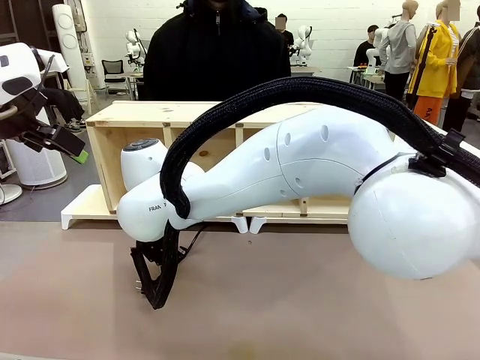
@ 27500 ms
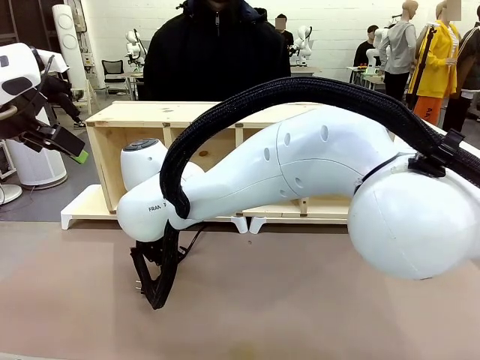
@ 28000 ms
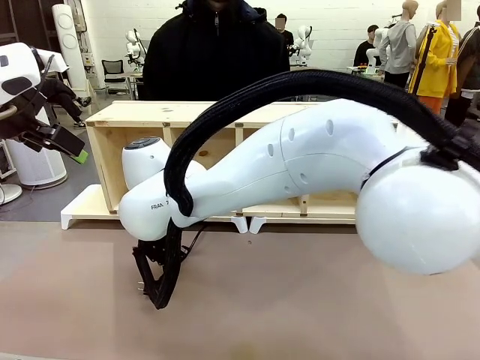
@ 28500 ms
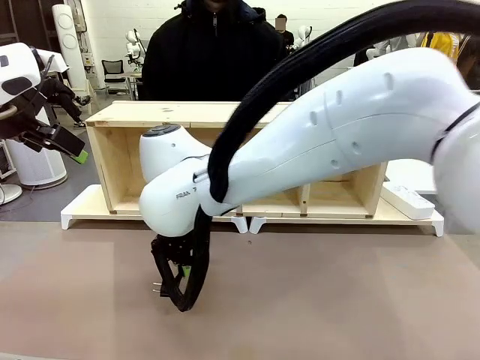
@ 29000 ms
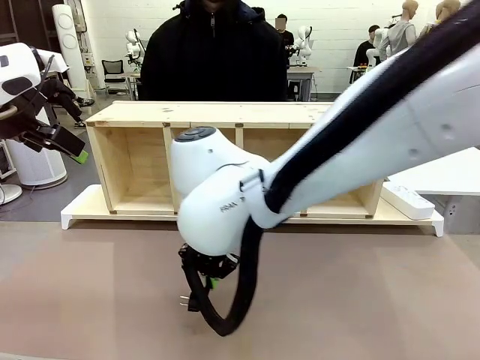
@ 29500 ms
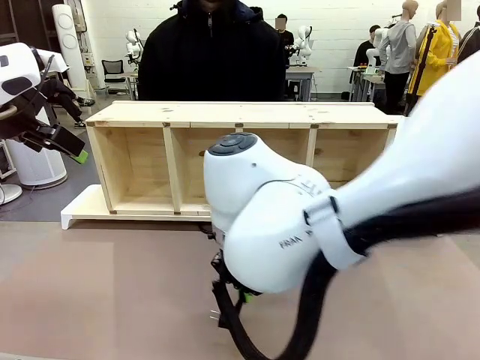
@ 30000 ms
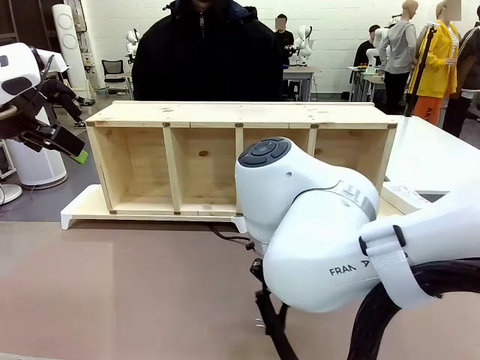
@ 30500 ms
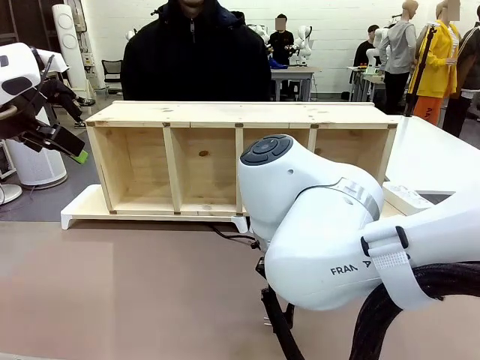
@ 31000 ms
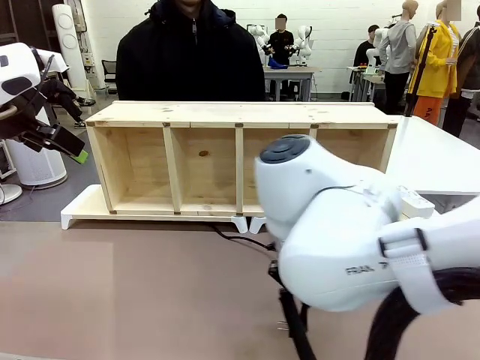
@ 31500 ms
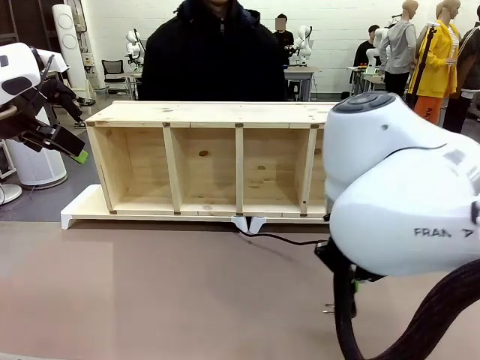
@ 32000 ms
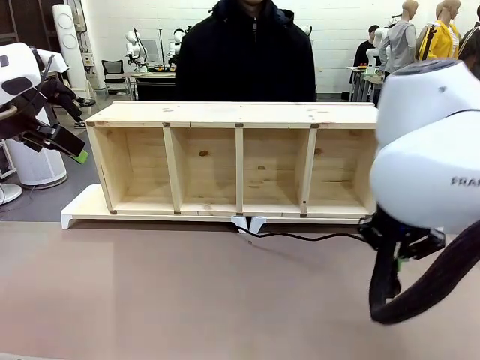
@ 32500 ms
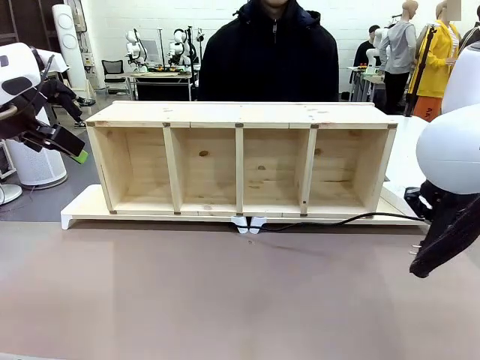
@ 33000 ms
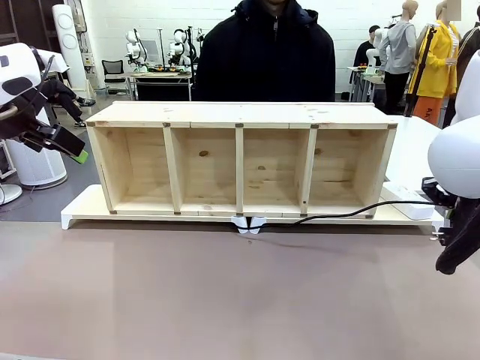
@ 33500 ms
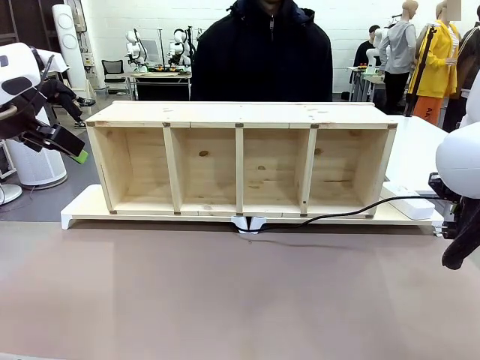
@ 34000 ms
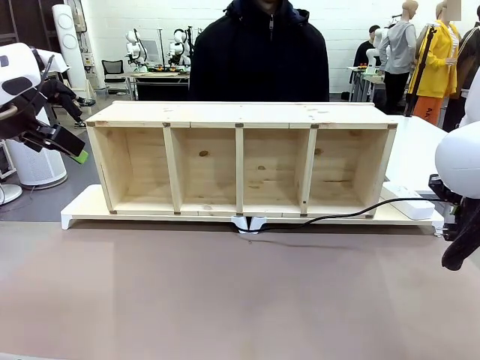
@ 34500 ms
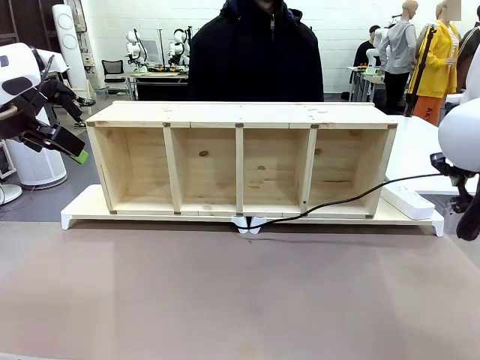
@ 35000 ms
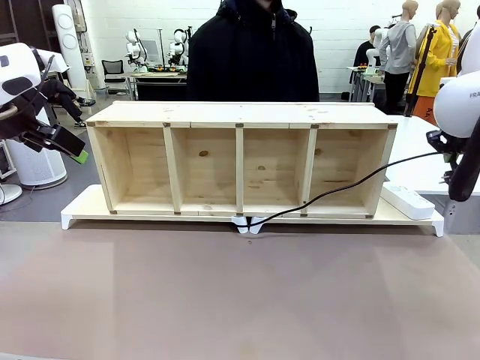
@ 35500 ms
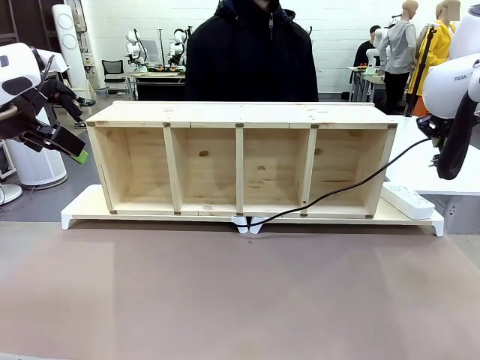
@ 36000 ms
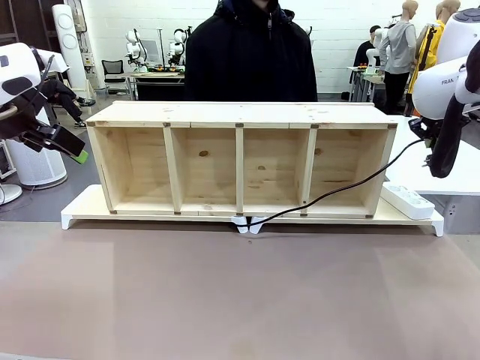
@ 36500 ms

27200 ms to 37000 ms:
Task: Perform cable management.
Robot: Pull the grasped Power Cable to the location of the Power Strip.

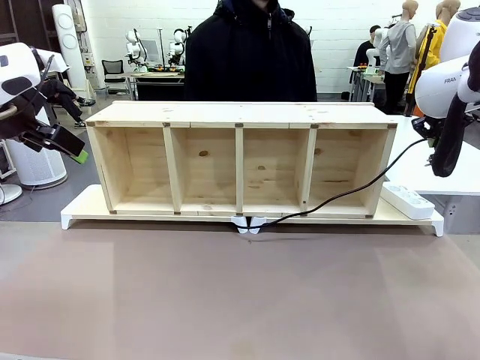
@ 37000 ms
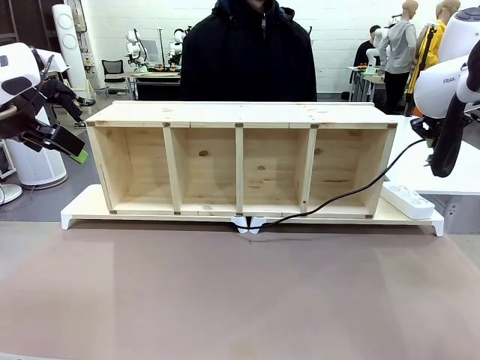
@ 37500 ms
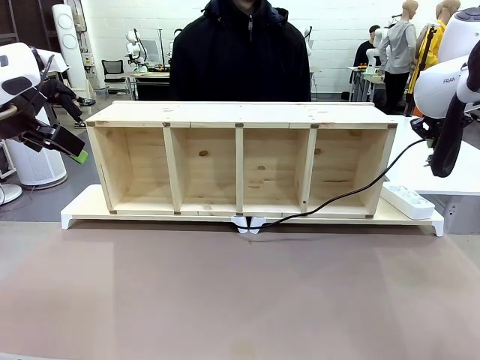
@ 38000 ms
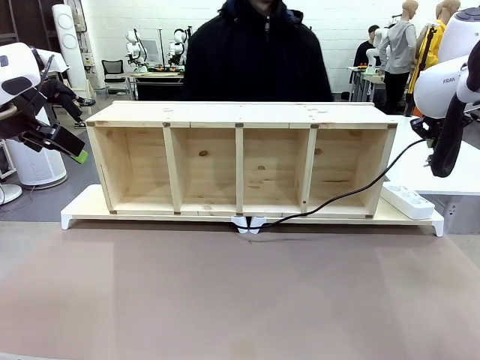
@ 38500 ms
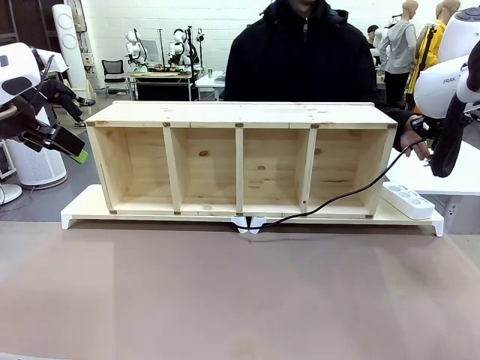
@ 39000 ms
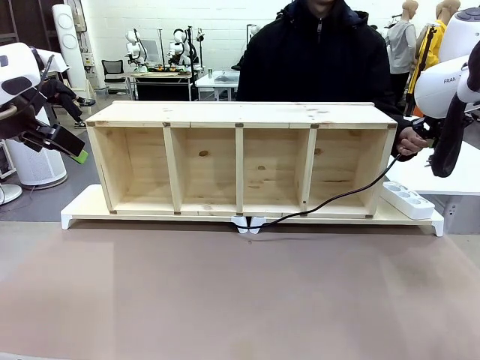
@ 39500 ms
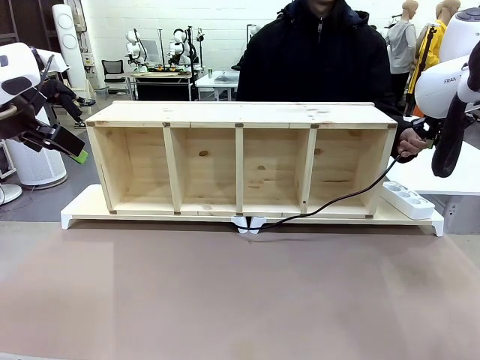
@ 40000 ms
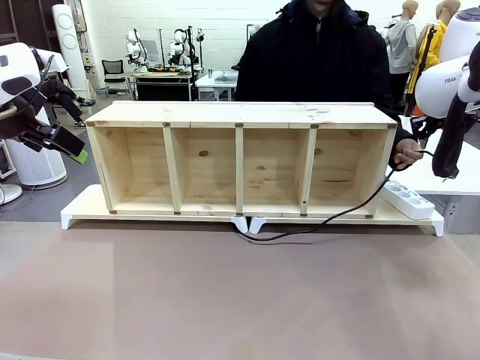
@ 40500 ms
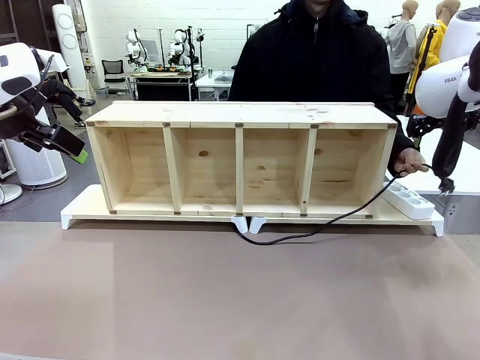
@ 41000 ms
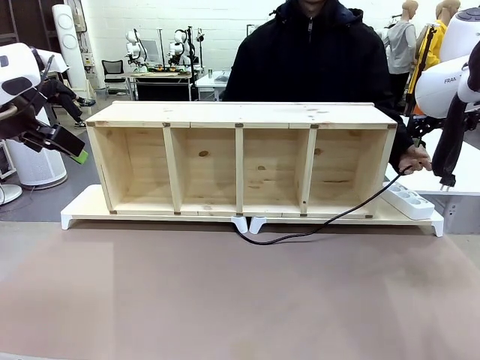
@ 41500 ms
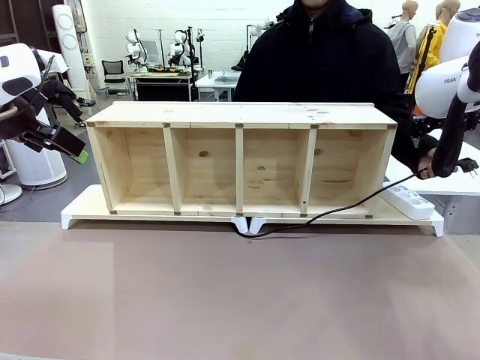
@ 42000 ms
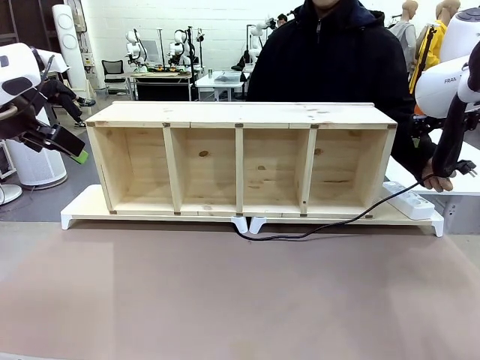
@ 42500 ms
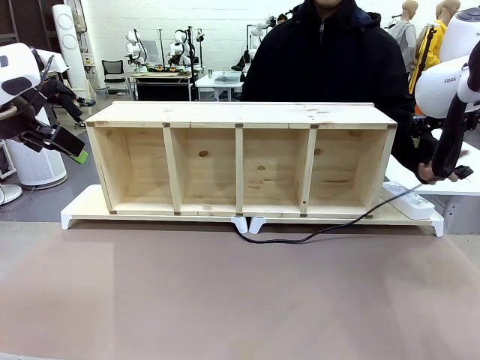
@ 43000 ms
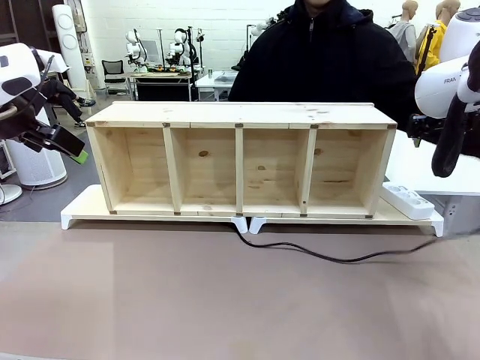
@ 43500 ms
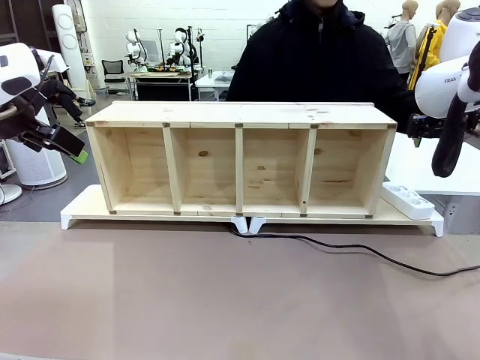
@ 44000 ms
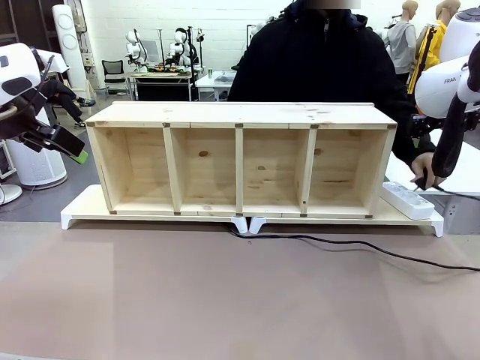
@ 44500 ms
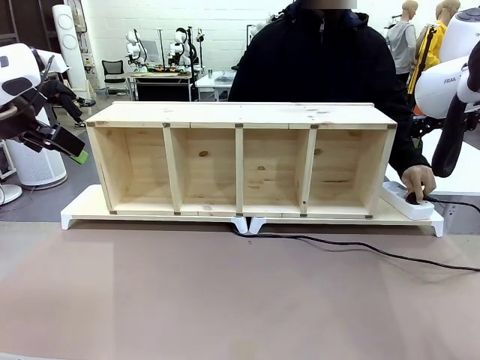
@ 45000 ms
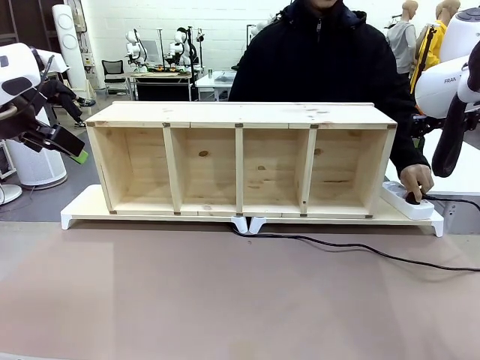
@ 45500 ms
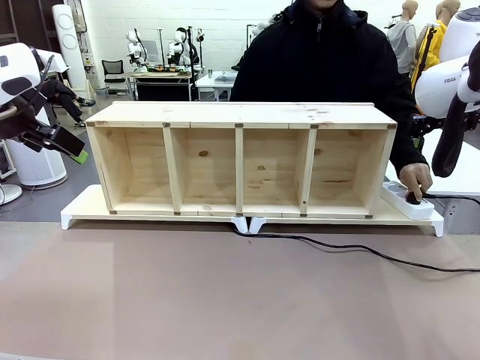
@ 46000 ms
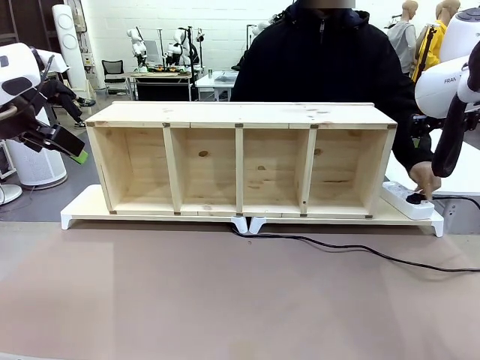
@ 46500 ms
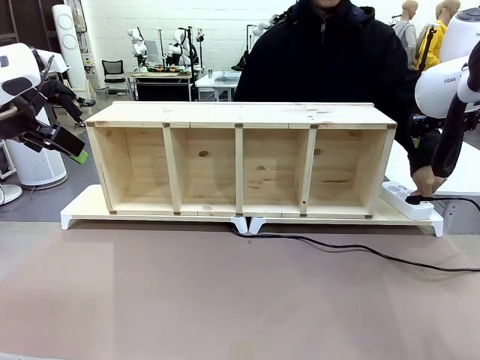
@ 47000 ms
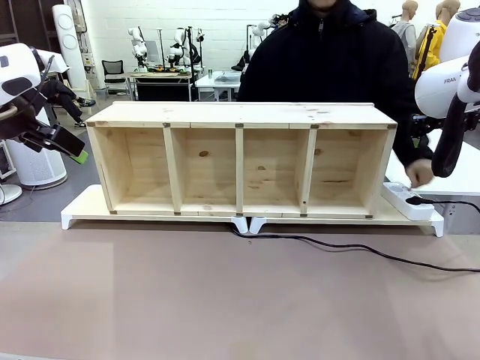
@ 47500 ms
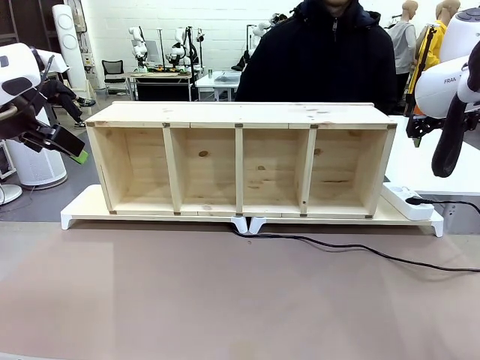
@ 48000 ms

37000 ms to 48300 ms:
Robot: Release the Power Cable when the human grasps it.
Person: Plug the Power Cable into the Power Strip.
